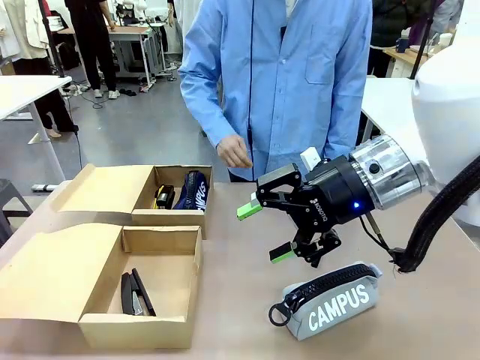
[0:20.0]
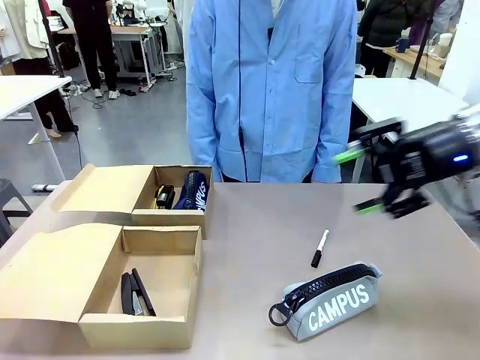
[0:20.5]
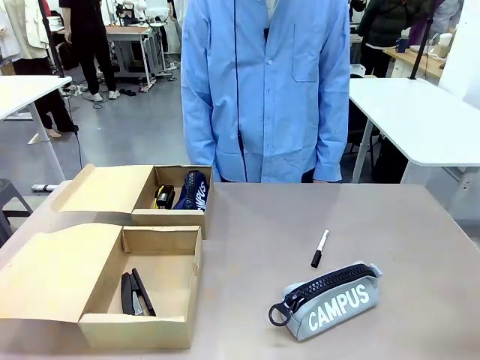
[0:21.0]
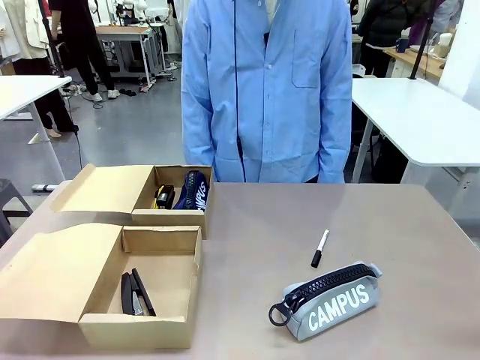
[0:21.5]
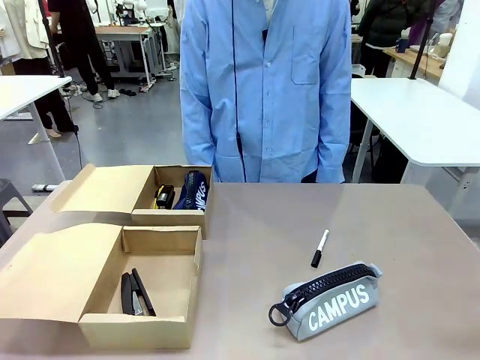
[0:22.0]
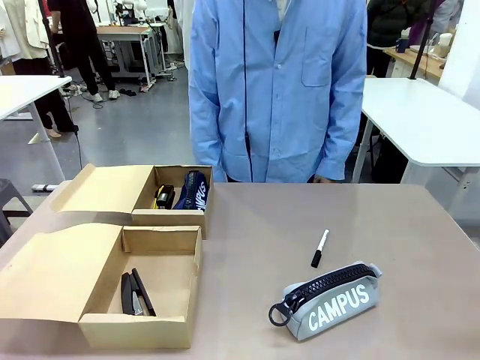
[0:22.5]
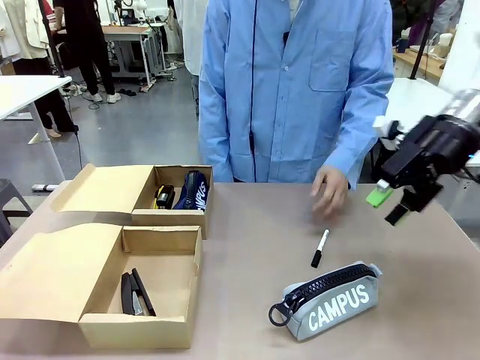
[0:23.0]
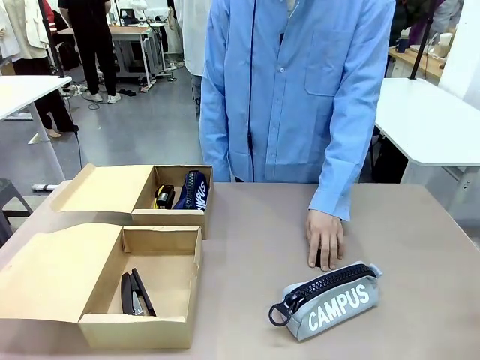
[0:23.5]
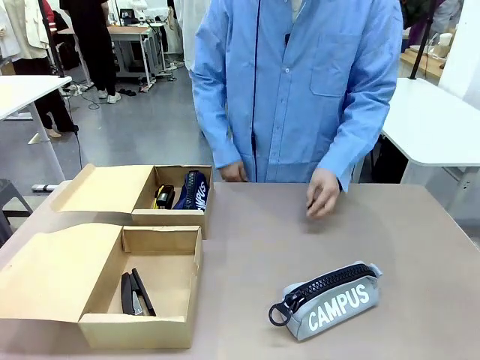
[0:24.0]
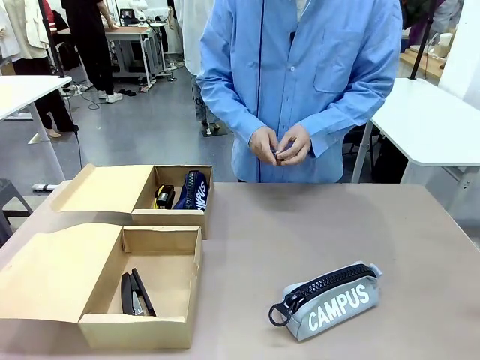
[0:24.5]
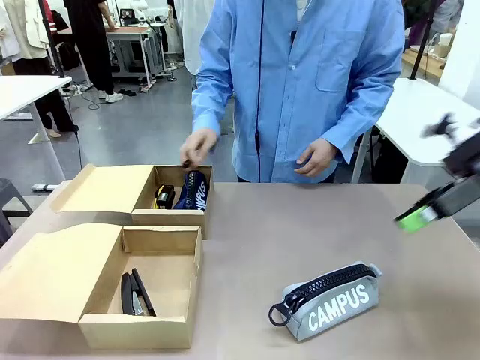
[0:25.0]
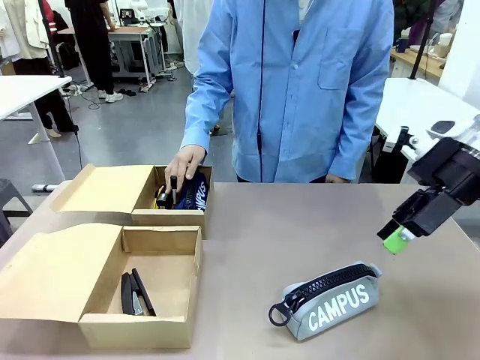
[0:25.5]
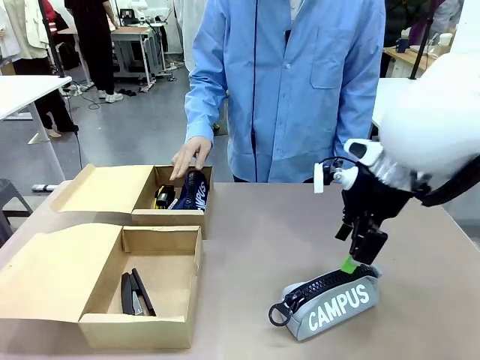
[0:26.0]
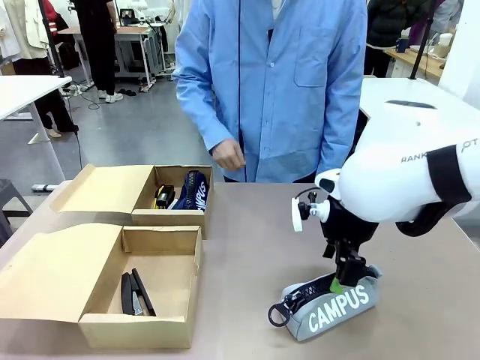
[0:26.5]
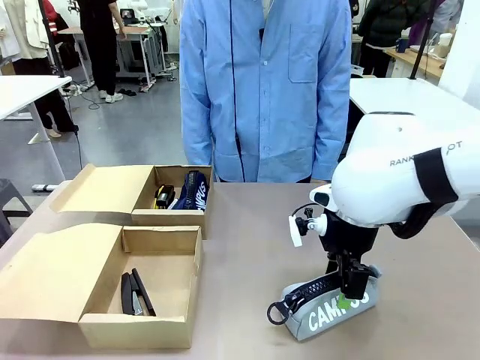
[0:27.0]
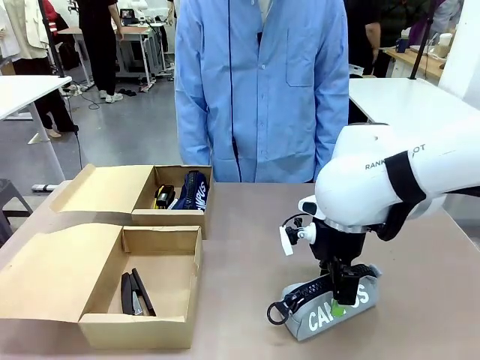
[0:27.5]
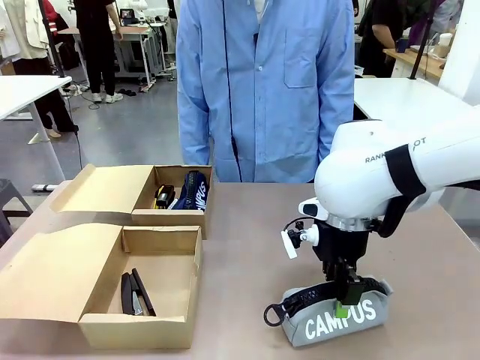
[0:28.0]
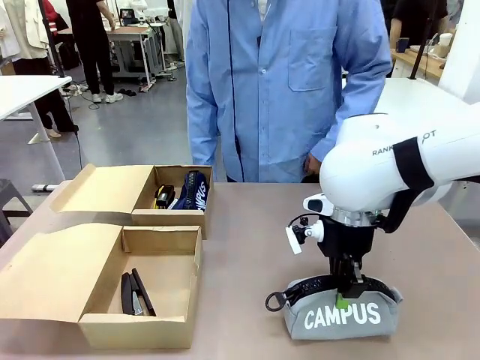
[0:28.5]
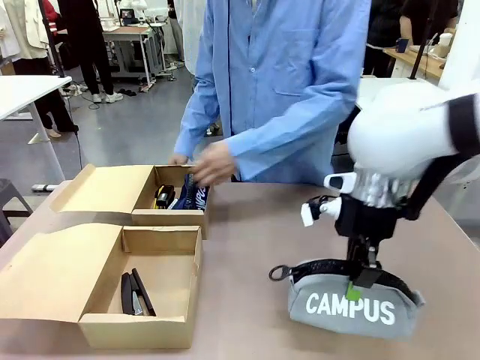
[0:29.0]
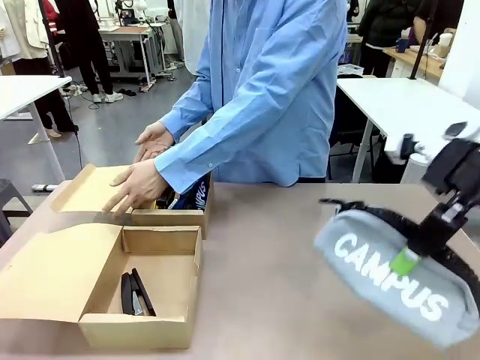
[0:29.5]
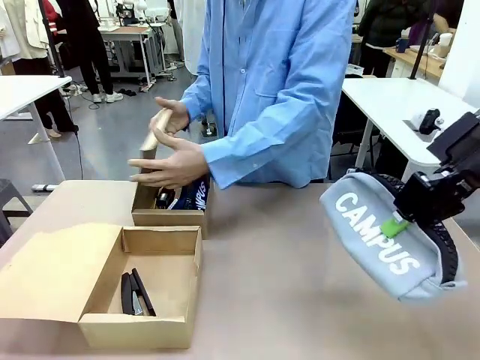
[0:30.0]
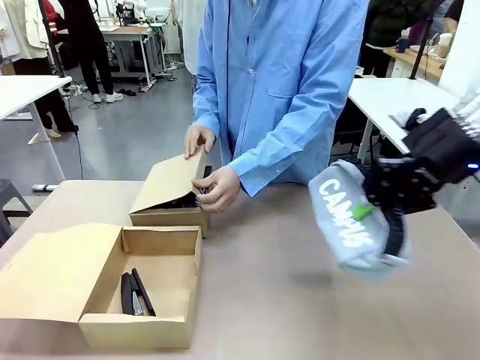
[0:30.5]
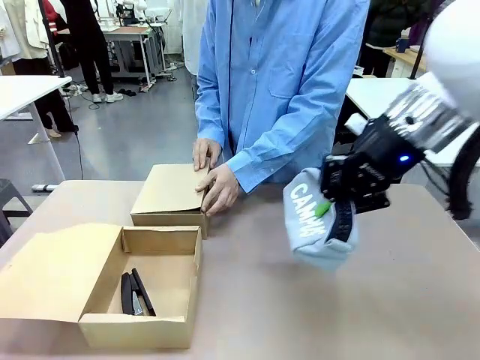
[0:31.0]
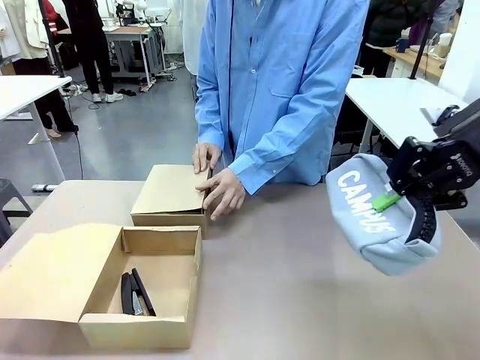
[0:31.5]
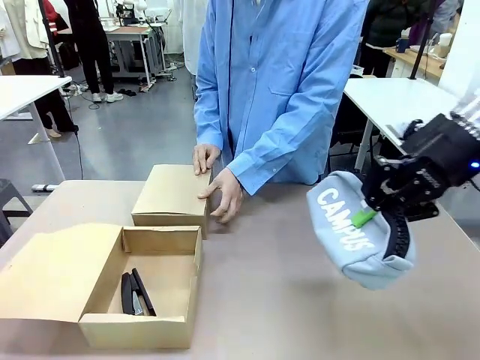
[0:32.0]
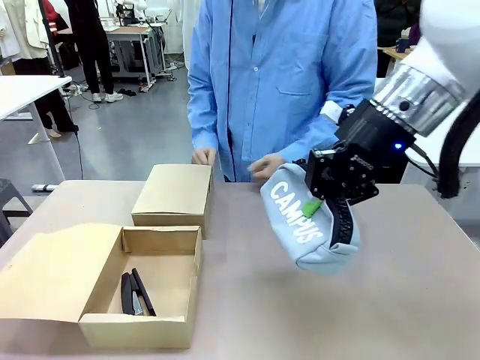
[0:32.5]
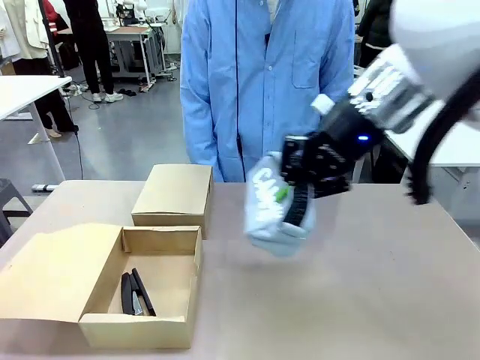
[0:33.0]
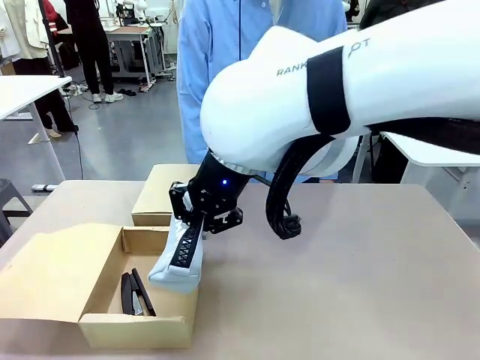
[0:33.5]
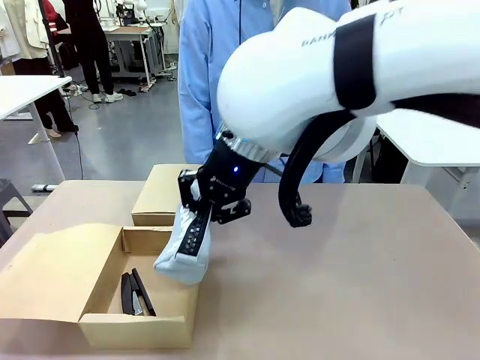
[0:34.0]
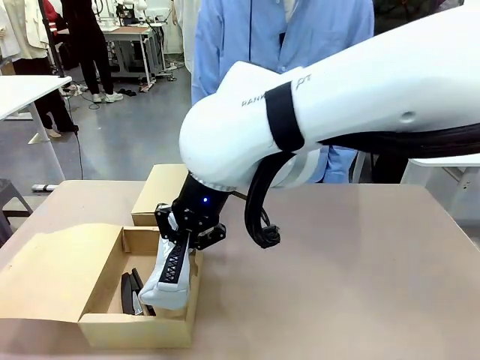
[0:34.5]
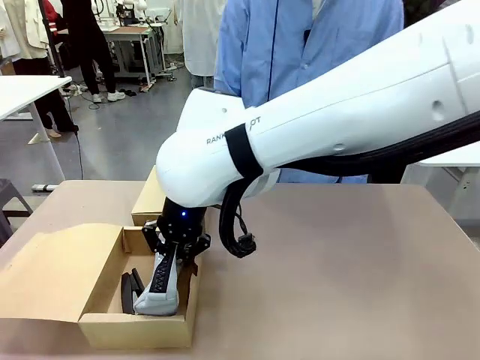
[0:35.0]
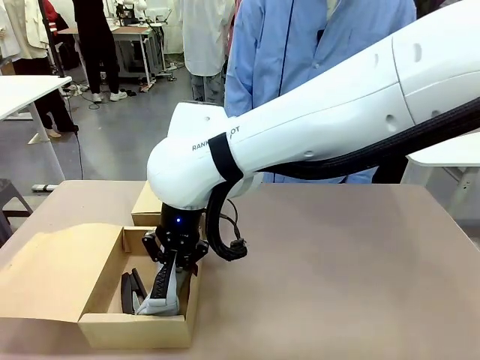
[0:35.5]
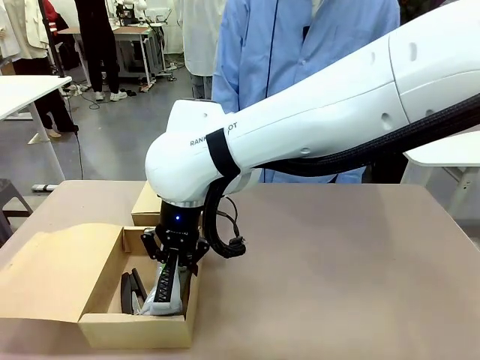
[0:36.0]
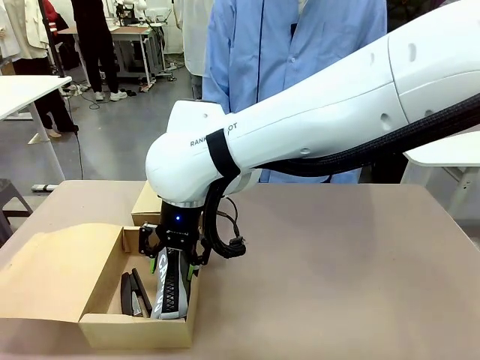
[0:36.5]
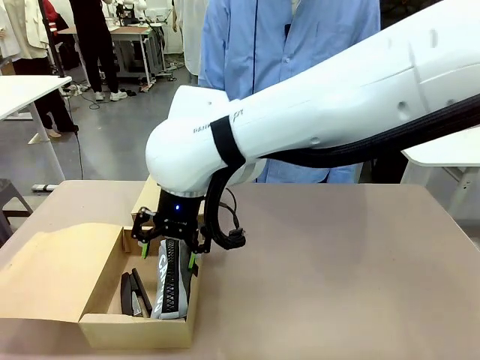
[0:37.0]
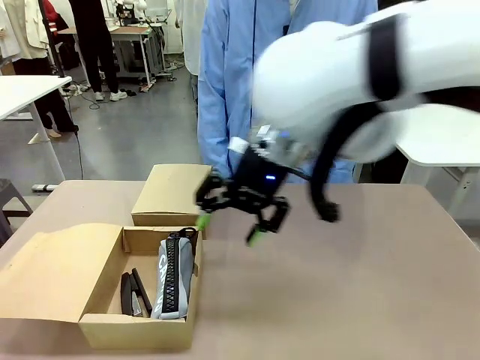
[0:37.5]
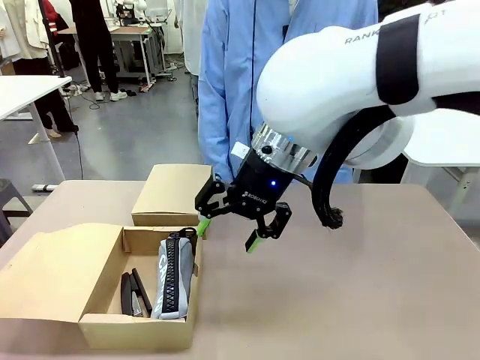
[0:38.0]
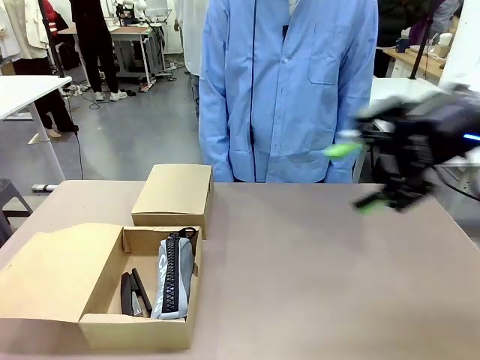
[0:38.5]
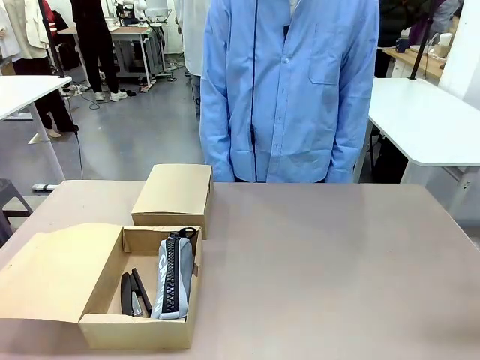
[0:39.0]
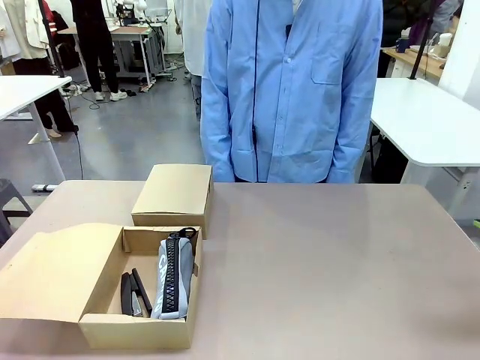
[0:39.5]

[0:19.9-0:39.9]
Task: Place items inside the box.
Robot: Pick up a Pencil pouch or Stapler and place it inside the Mailer Box closest to the robot.
Person: Close the lid of the box facing the person.

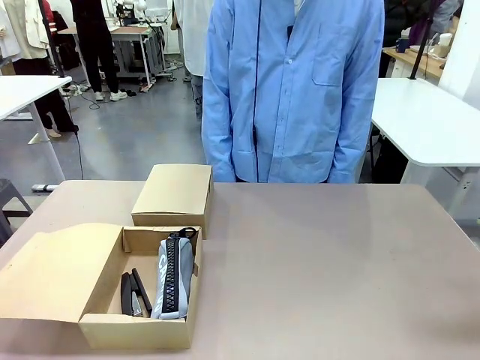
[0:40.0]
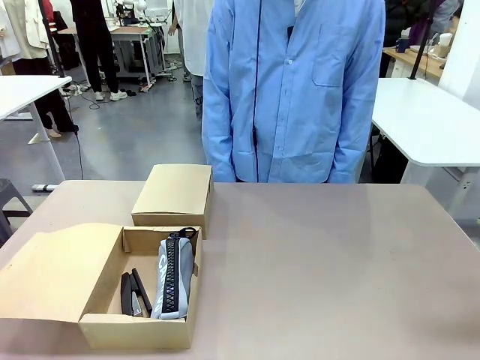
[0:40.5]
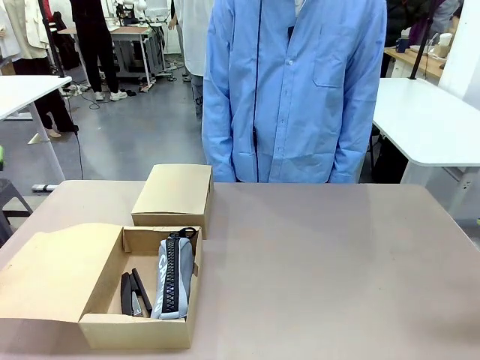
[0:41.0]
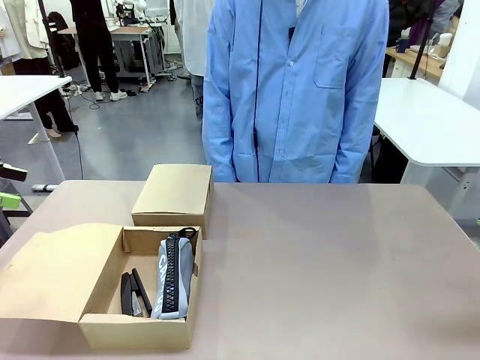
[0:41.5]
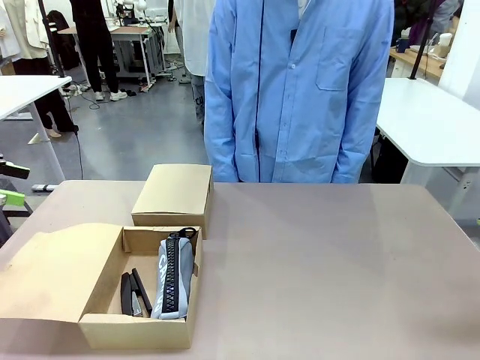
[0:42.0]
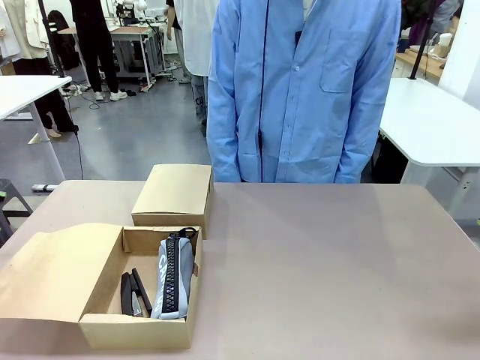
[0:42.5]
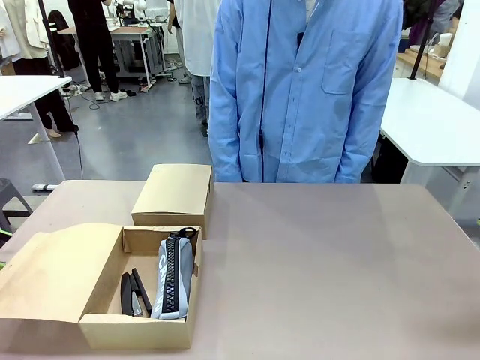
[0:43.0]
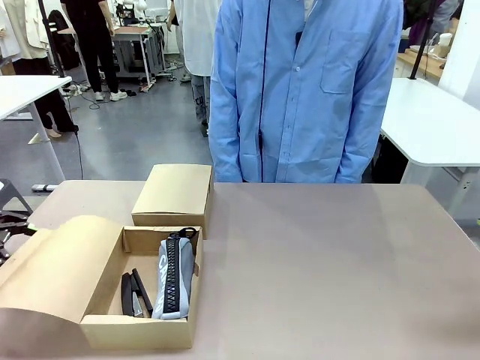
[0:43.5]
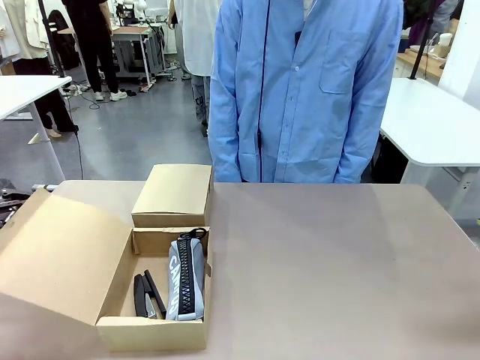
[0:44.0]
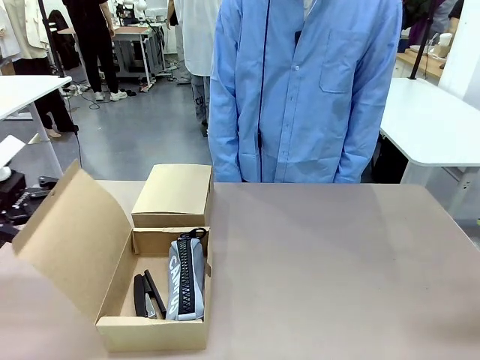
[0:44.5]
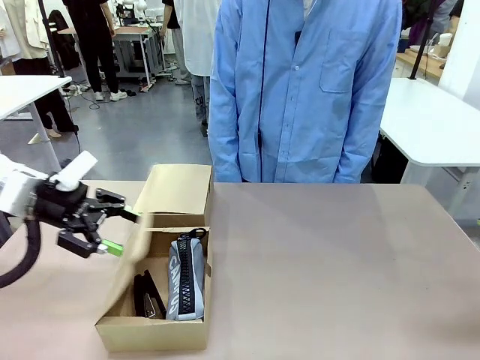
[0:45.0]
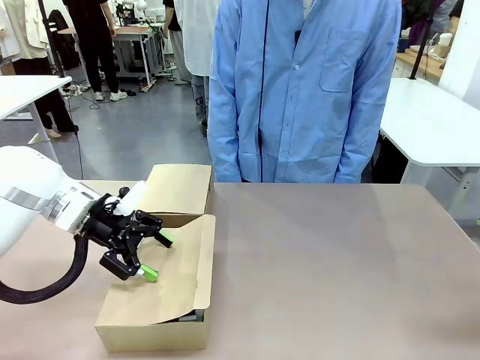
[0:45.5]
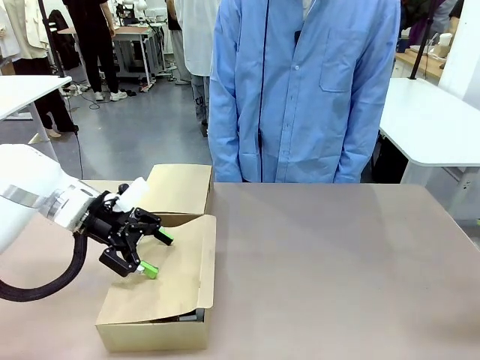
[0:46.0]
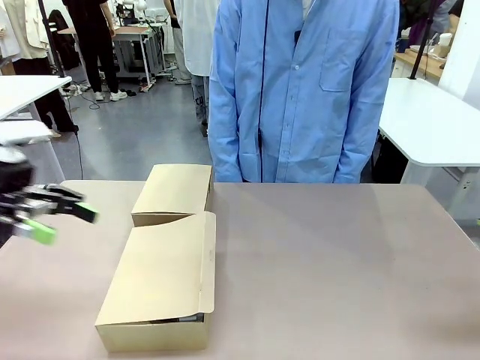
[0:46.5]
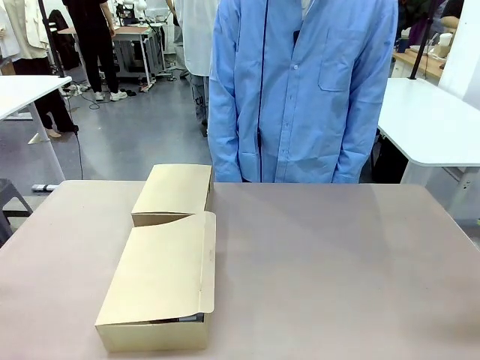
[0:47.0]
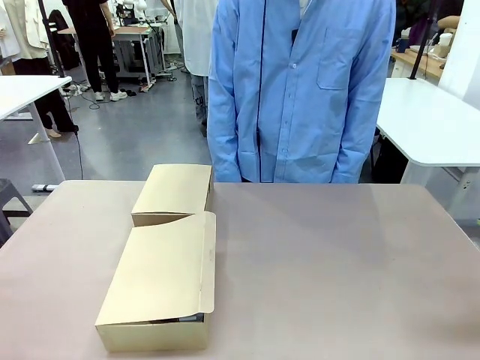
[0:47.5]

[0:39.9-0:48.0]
Robot: Close the lid of the Mailer Box closest to the robot.
